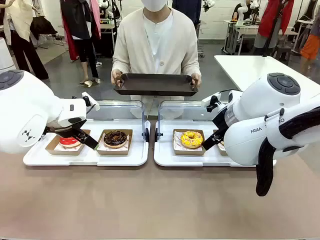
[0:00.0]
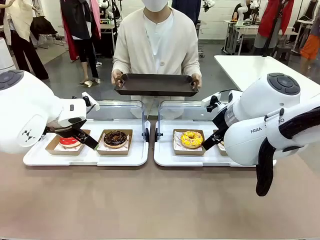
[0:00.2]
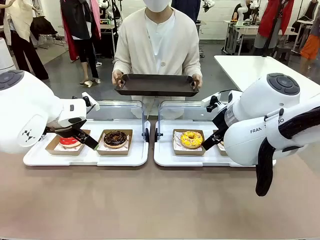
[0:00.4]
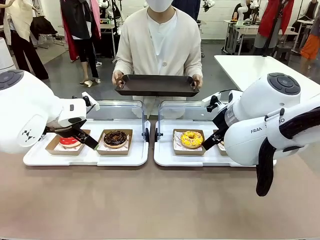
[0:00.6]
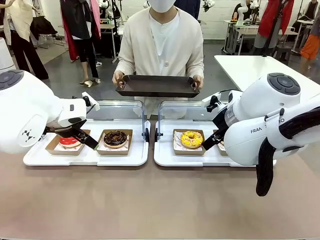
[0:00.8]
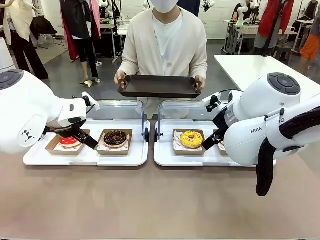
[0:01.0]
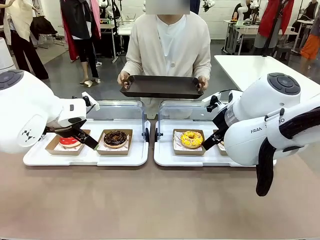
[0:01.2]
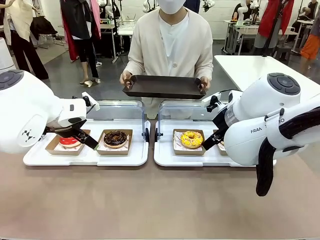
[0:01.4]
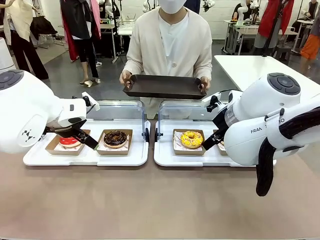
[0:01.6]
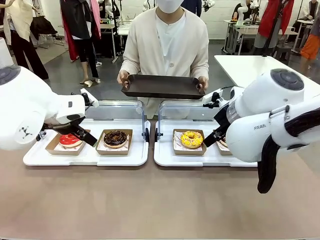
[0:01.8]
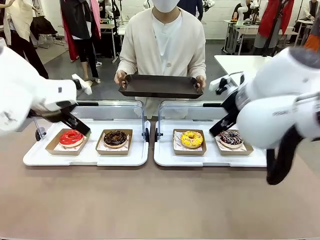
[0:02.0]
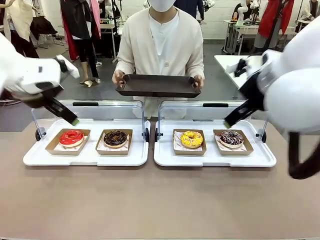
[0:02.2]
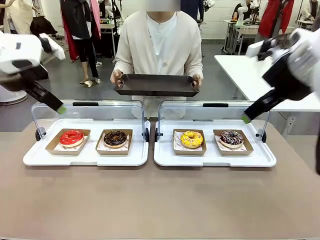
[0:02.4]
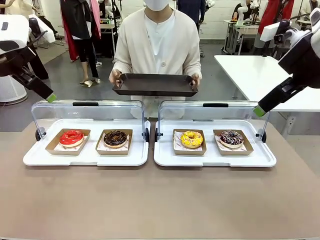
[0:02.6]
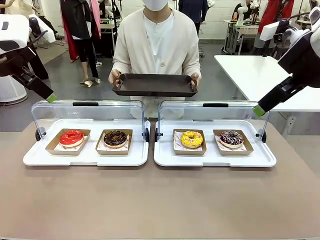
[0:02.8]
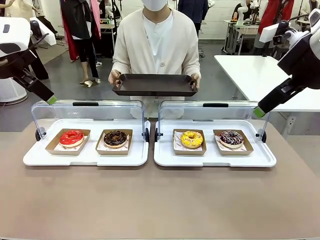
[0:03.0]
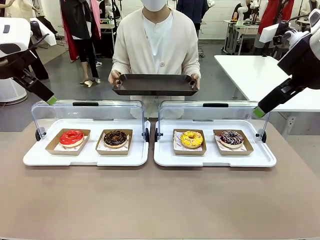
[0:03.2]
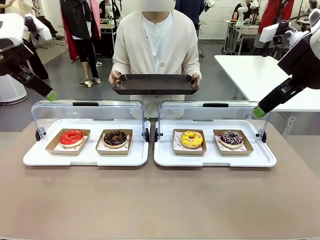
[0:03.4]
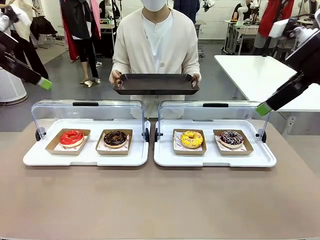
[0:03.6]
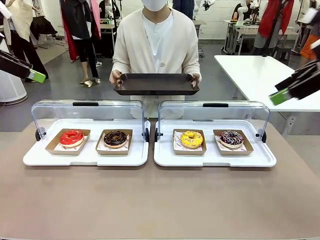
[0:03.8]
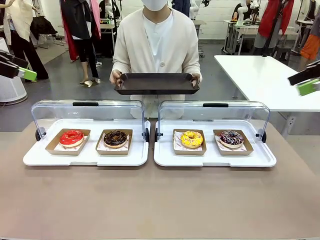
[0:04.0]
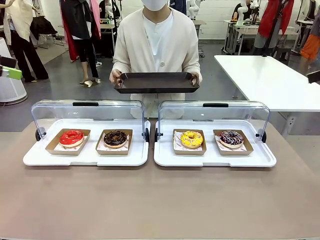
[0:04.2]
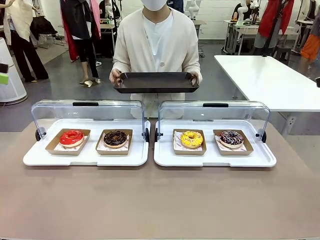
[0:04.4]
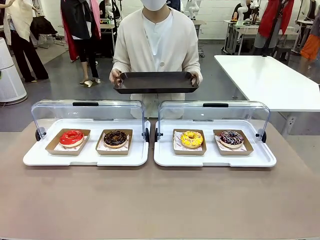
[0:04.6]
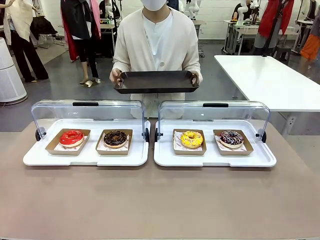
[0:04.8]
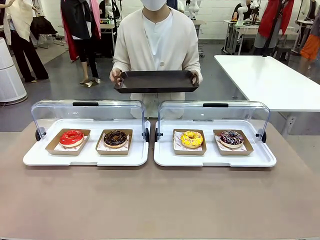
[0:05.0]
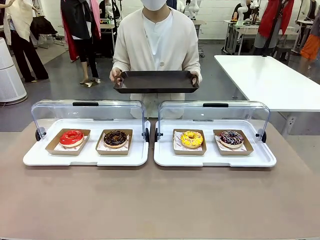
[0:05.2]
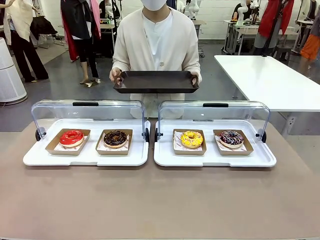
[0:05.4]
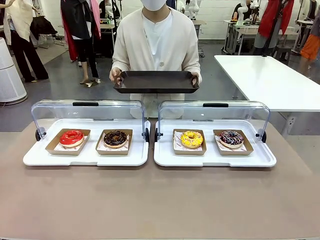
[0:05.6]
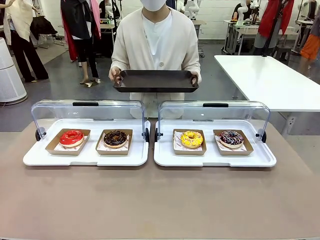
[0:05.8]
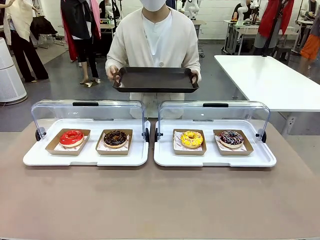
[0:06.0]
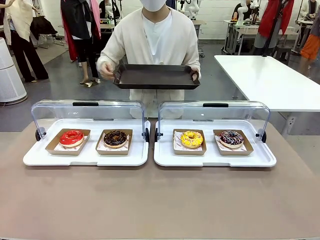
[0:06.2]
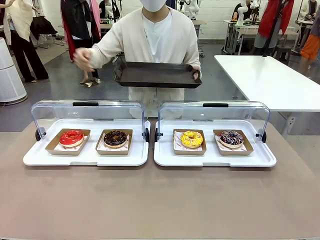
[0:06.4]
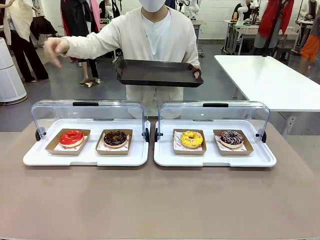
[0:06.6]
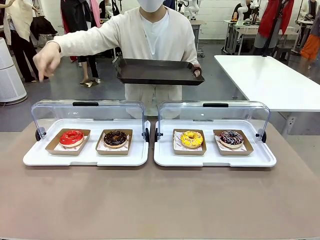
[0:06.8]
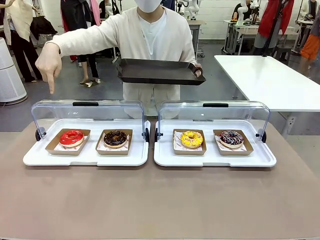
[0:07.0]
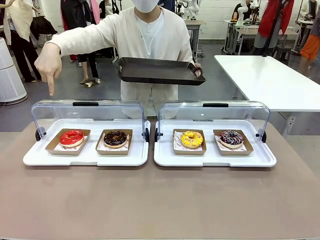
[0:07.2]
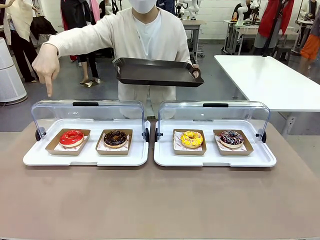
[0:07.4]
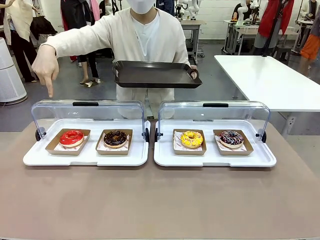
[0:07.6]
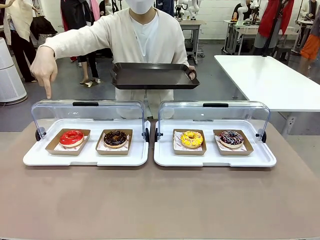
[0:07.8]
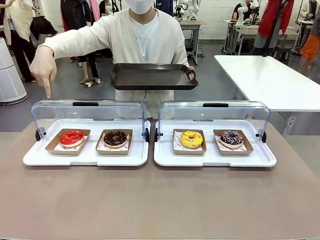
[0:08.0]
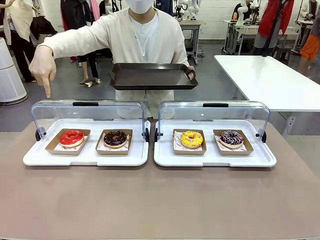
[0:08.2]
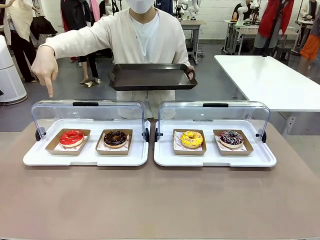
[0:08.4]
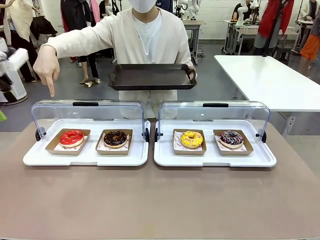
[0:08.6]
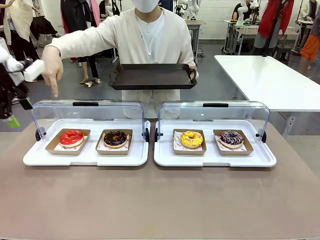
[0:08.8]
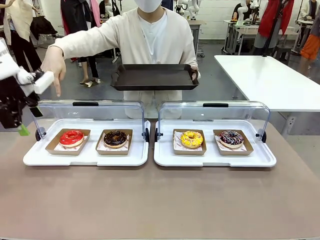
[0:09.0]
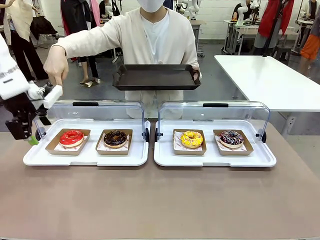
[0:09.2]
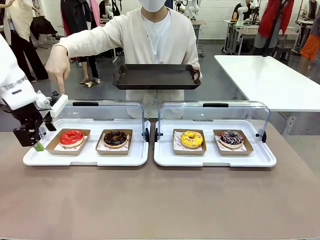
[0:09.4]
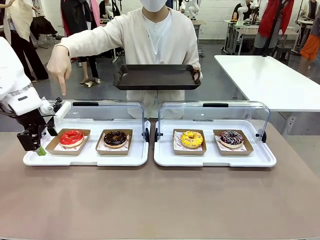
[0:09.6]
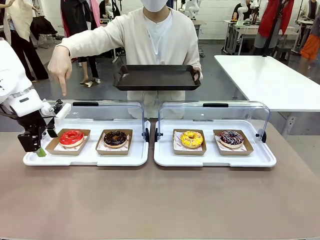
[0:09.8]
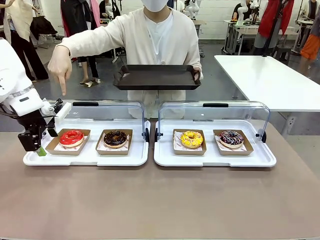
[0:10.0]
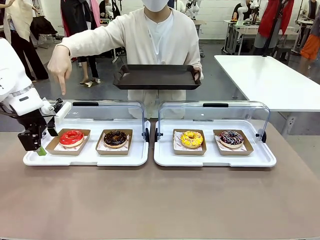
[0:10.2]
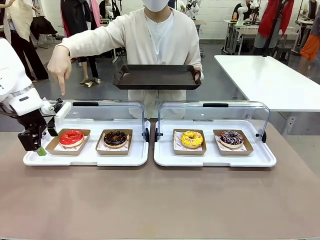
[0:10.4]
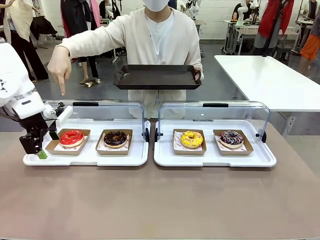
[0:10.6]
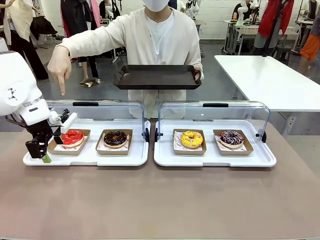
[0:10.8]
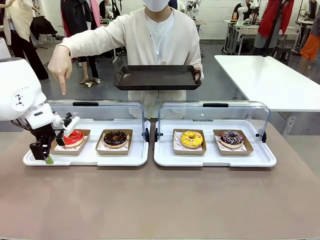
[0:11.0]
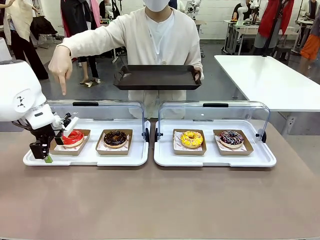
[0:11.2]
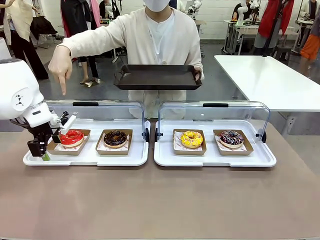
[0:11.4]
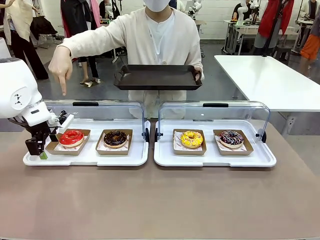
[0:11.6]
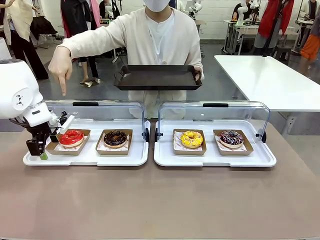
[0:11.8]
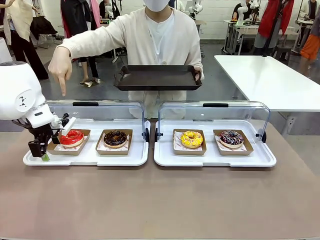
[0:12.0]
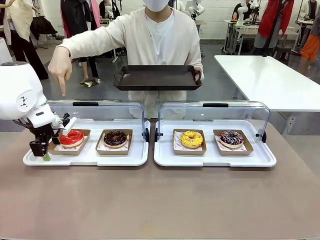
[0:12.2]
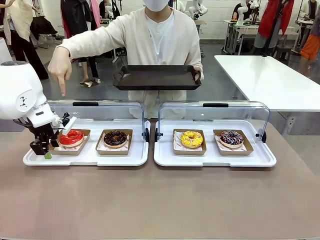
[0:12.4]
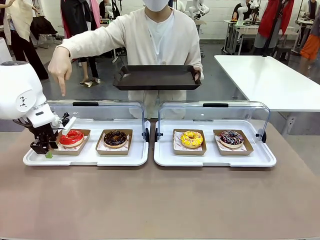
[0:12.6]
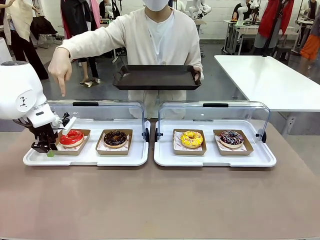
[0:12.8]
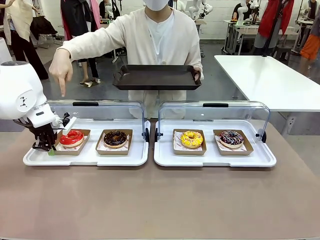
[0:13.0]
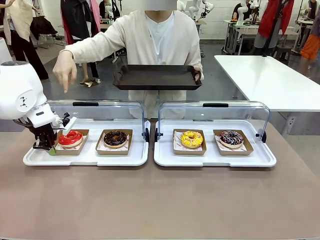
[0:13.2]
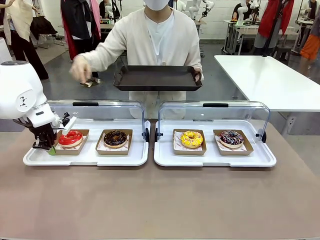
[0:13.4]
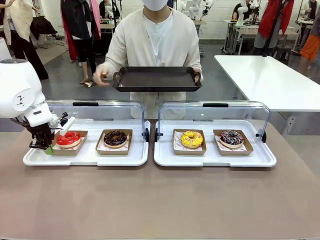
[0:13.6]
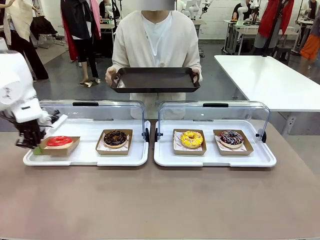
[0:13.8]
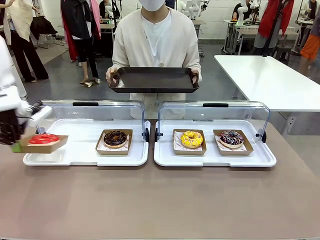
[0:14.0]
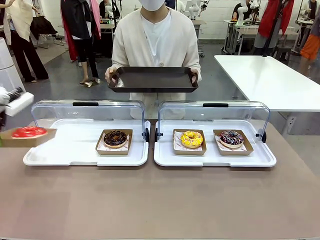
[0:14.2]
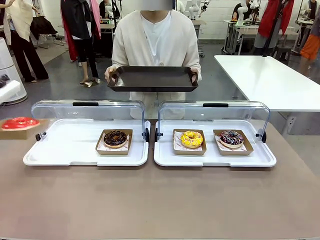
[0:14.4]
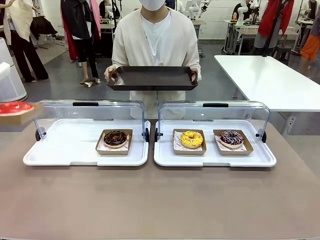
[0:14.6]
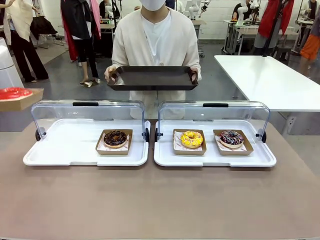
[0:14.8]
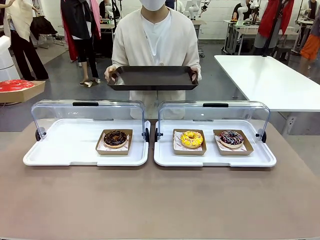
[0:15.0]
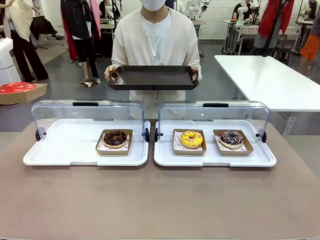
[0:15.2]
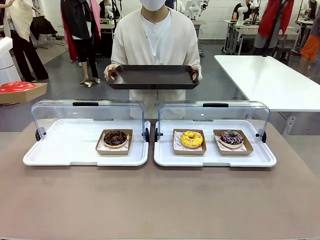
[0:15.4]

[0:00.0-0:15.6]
Task: Provide the desired donut to the person.
Robot: Pick up and lift the Paper togo box containing the Donut pointed at by the person.
Person: Point to one donut. Lift the tray onto the Roll-Top Bakery Case.

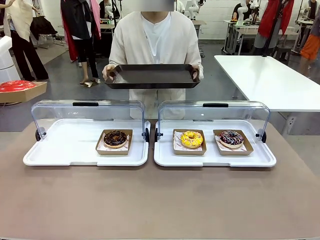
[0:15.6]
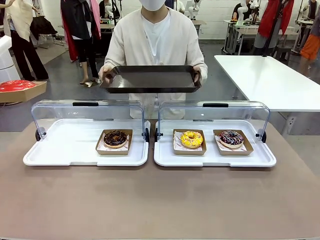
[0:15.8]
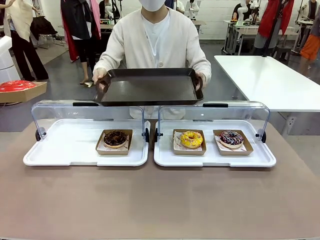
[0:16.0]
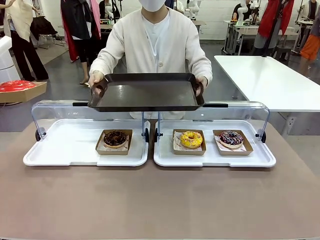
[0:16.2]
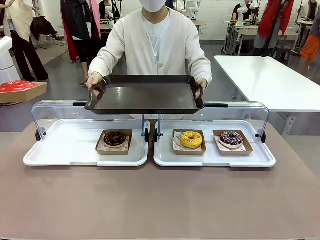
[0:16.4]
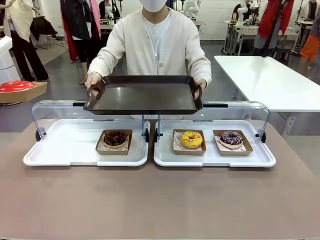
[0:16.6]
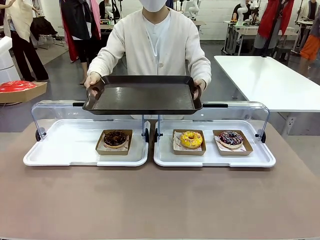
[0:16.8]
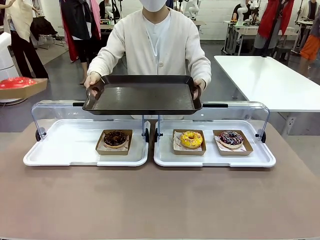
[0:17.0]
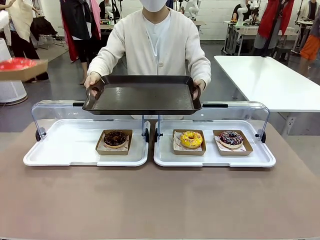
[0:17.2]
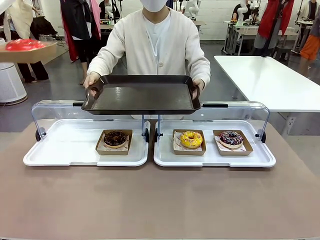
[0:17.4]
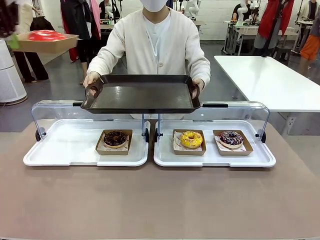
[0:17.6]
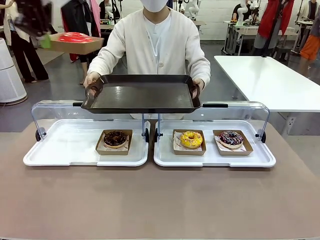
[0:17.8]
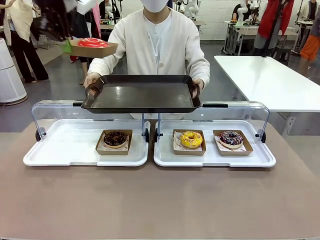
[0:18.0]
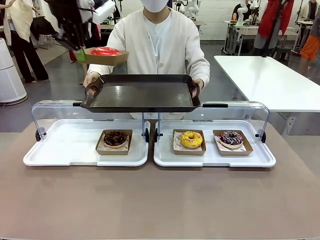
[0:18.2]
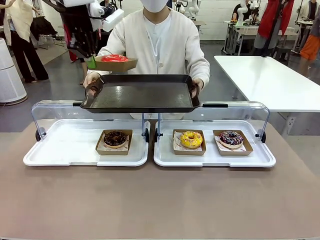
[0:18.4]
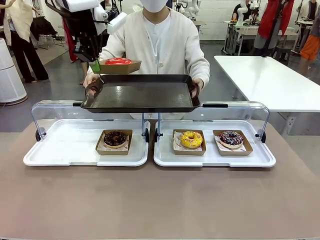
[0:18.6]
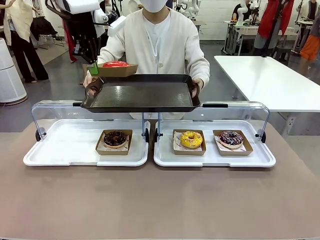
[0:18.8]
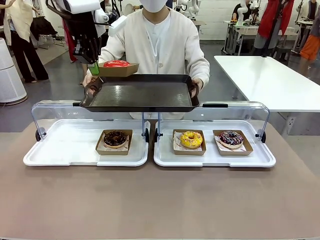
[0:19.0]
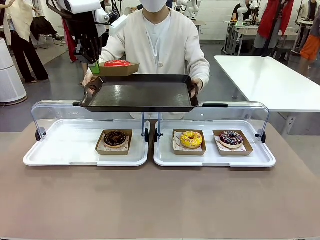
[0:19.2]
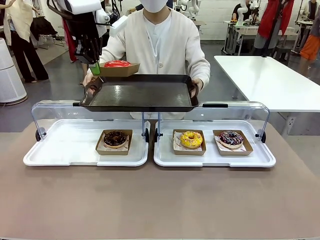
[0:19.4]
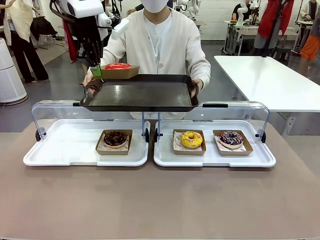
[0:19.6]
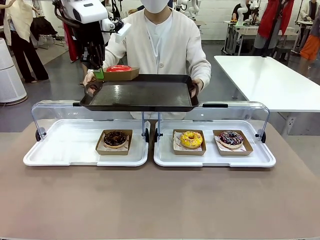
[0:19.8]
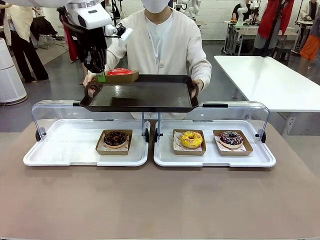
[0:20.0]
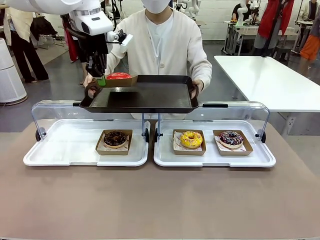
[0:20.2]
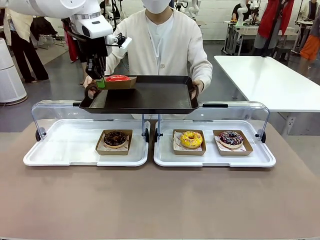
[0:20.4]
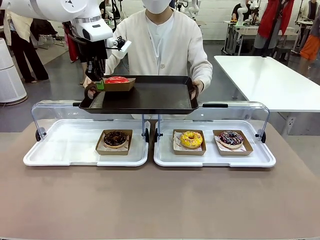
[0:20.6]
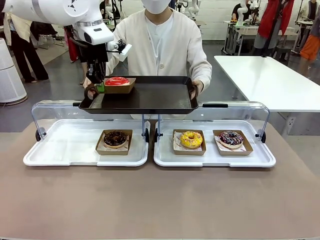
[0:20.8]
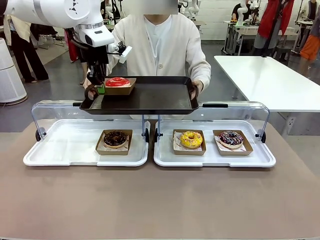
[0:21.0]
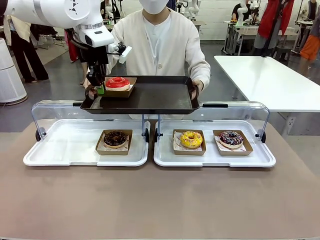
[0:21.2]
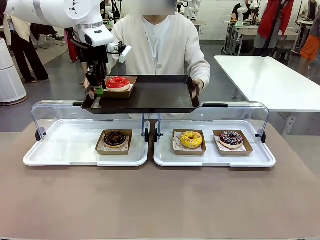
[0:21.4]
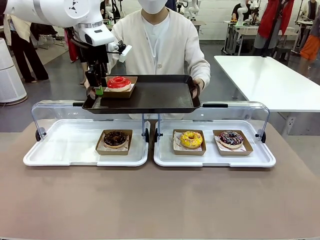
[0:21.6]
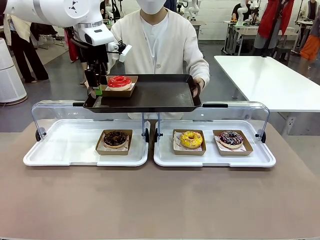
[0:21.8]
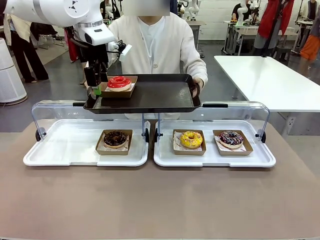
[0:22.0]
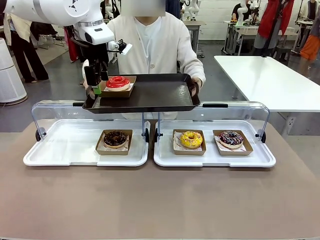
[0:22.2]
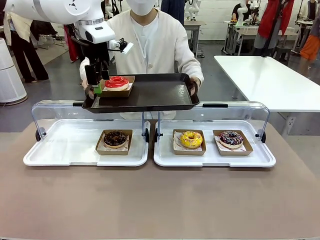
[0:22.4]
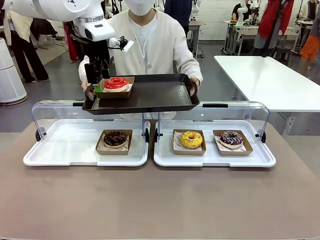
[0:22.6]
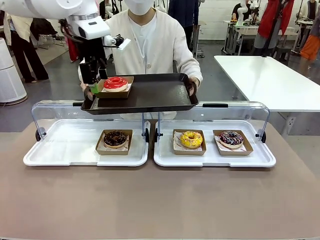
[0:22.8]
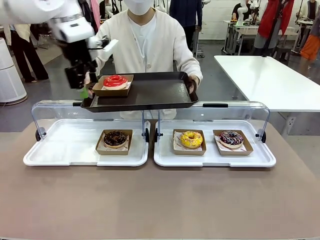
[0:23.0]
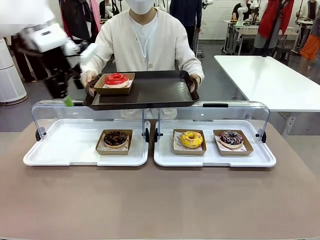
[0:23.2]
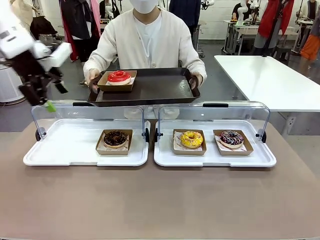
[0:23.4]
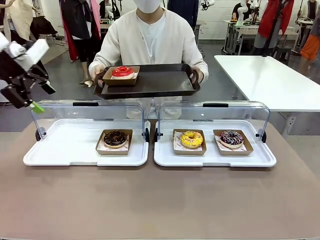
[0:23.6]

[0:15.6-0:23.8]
Robot: Place the picked Paper togo box onto the Handle tray extended by the person.
